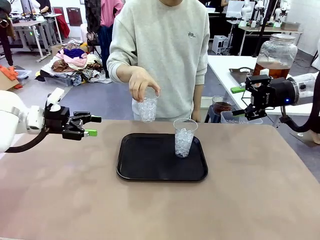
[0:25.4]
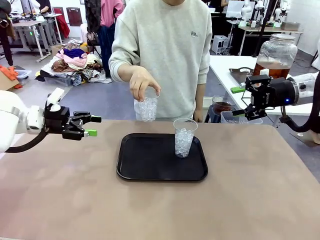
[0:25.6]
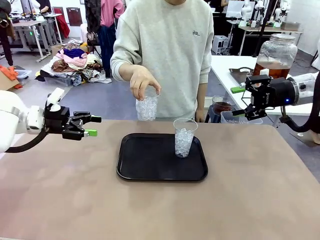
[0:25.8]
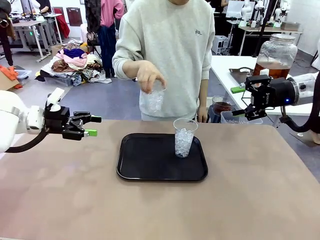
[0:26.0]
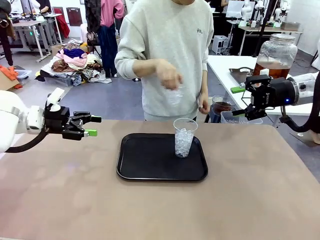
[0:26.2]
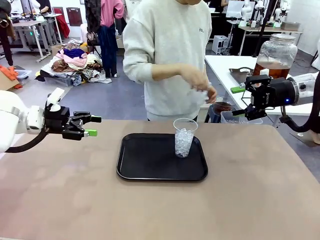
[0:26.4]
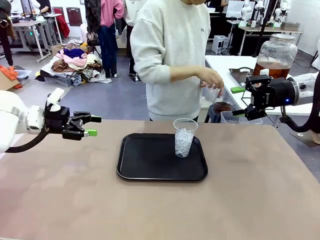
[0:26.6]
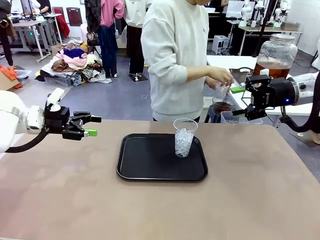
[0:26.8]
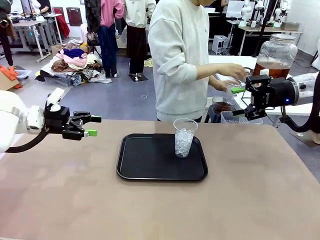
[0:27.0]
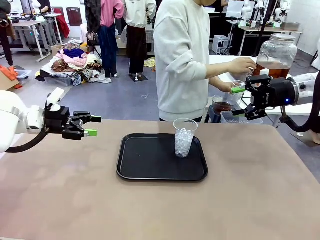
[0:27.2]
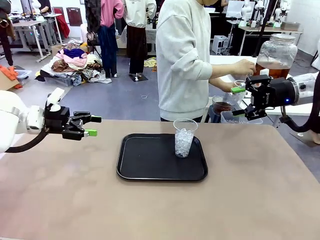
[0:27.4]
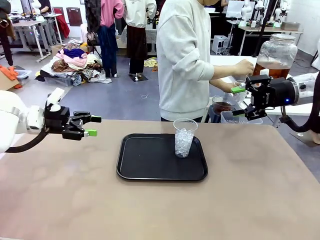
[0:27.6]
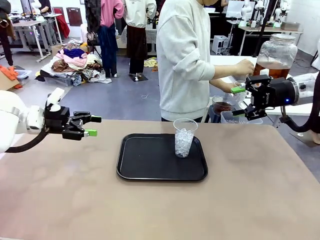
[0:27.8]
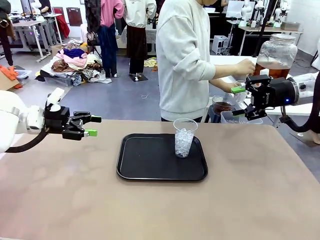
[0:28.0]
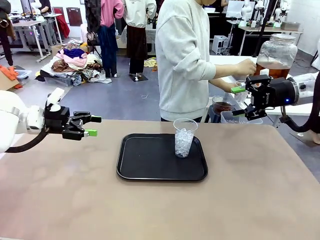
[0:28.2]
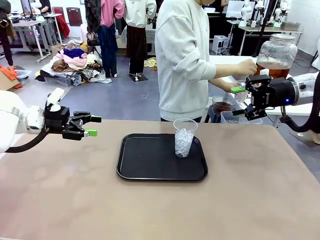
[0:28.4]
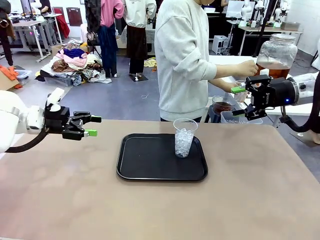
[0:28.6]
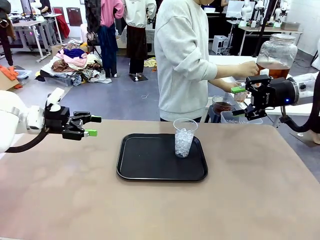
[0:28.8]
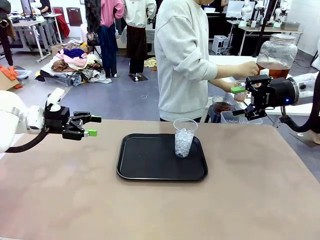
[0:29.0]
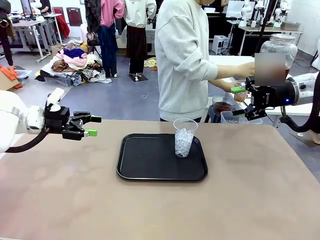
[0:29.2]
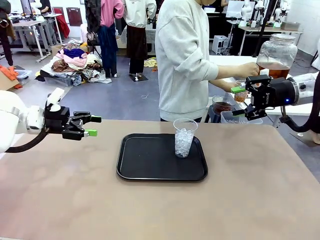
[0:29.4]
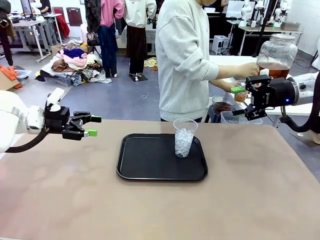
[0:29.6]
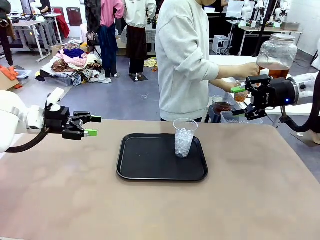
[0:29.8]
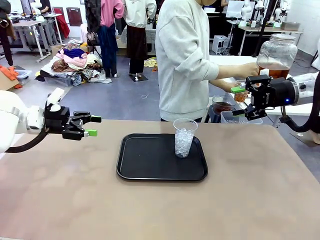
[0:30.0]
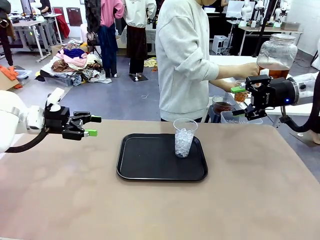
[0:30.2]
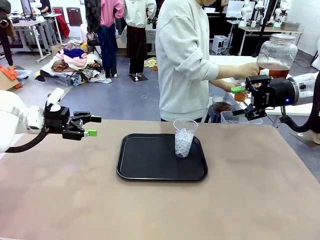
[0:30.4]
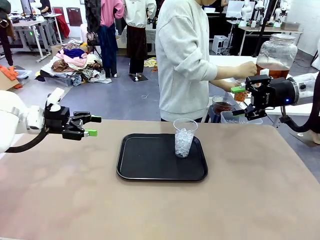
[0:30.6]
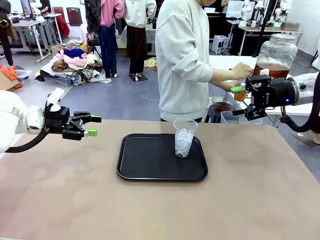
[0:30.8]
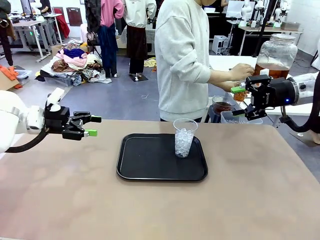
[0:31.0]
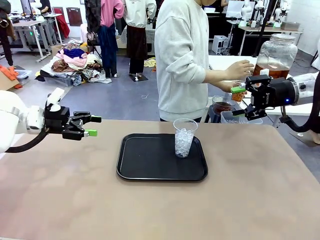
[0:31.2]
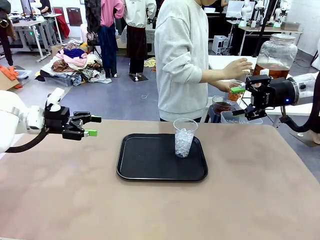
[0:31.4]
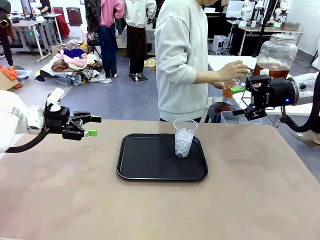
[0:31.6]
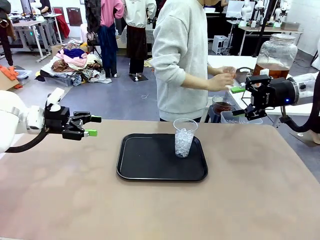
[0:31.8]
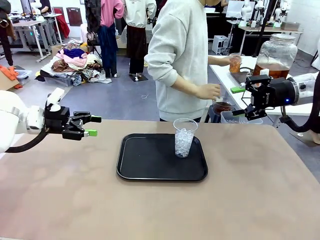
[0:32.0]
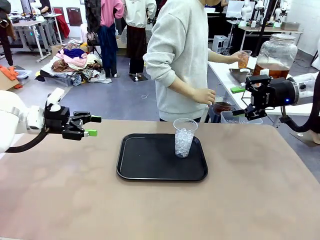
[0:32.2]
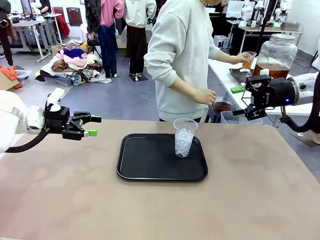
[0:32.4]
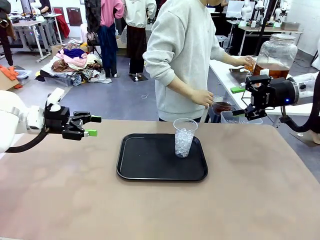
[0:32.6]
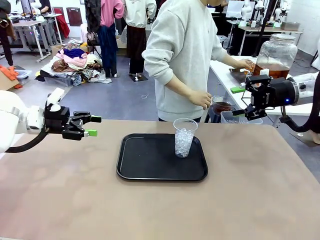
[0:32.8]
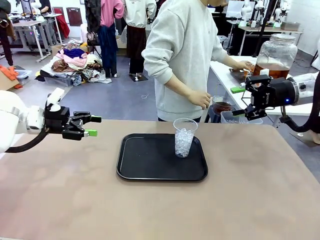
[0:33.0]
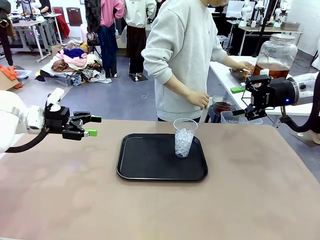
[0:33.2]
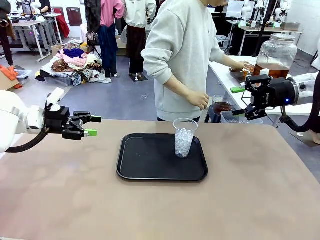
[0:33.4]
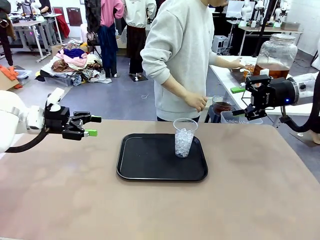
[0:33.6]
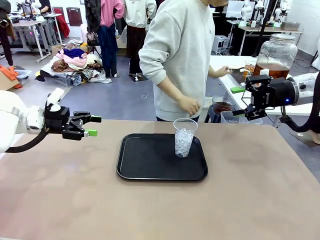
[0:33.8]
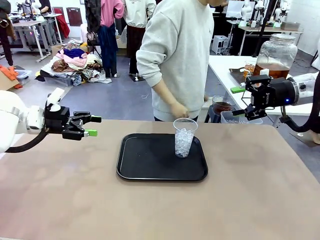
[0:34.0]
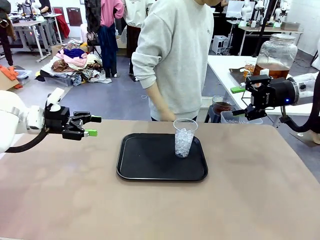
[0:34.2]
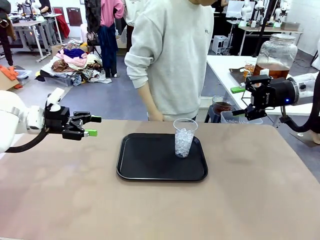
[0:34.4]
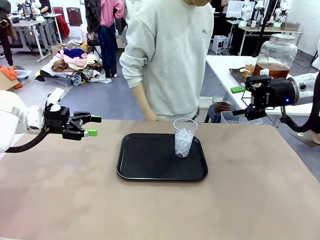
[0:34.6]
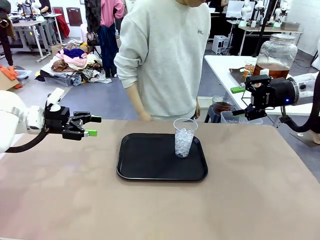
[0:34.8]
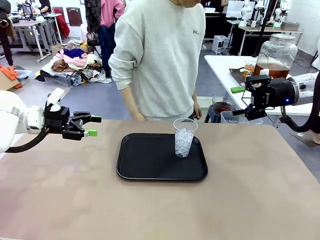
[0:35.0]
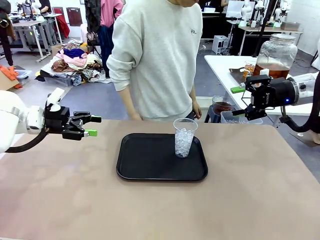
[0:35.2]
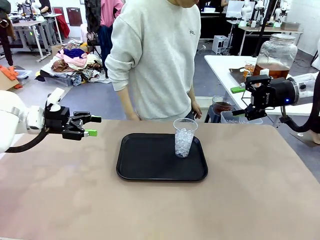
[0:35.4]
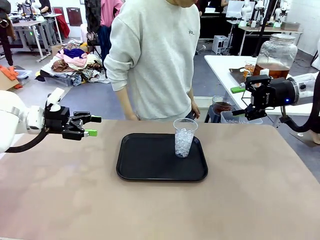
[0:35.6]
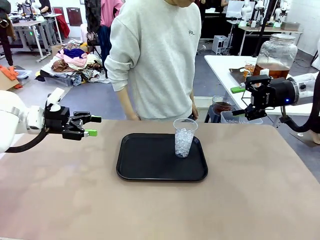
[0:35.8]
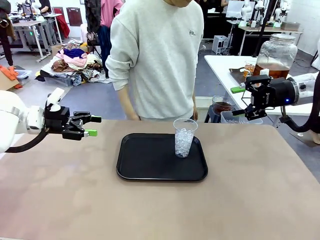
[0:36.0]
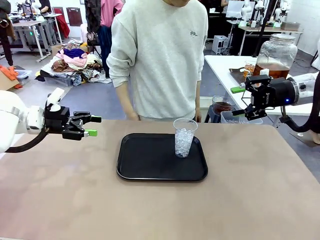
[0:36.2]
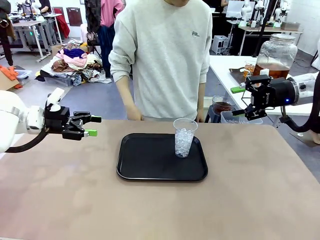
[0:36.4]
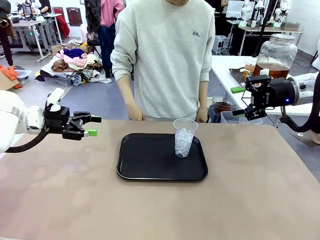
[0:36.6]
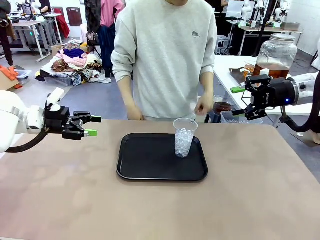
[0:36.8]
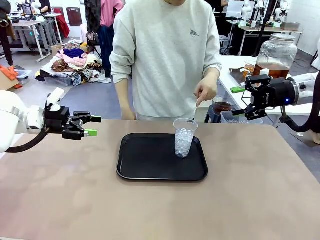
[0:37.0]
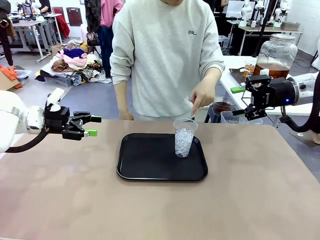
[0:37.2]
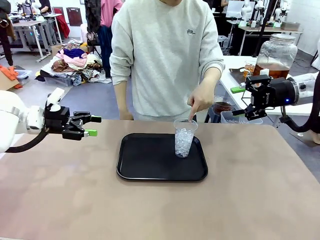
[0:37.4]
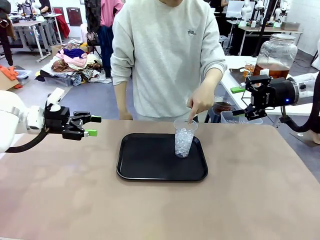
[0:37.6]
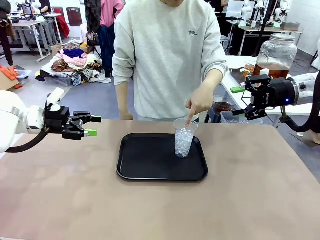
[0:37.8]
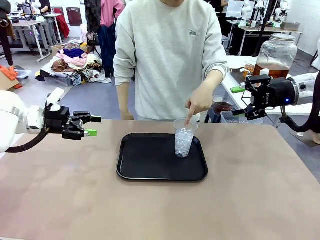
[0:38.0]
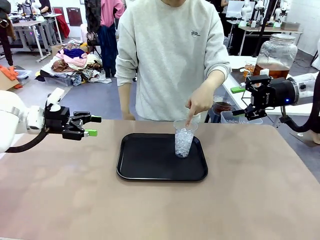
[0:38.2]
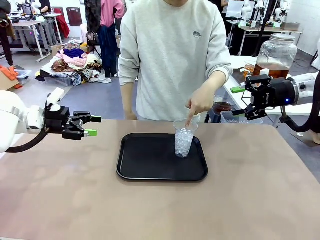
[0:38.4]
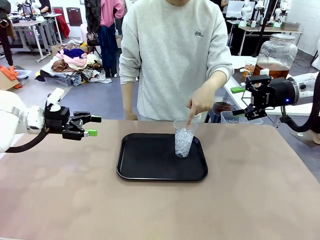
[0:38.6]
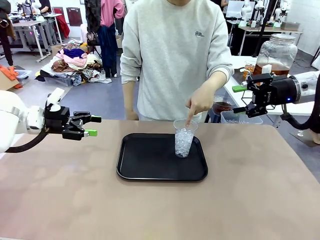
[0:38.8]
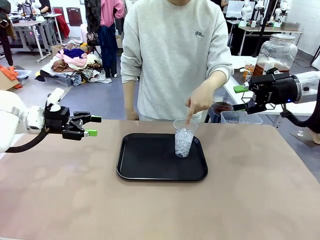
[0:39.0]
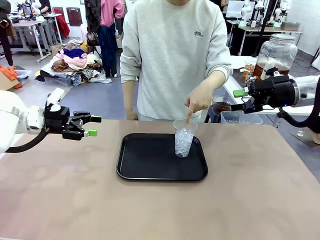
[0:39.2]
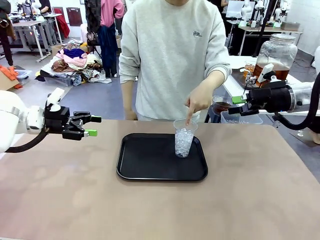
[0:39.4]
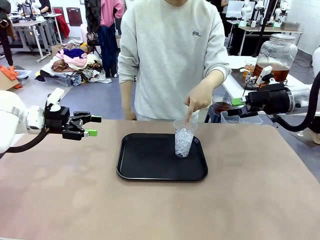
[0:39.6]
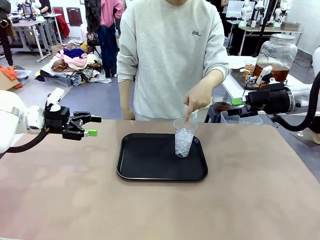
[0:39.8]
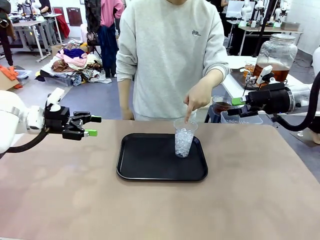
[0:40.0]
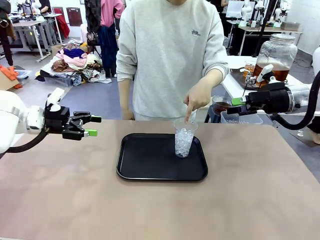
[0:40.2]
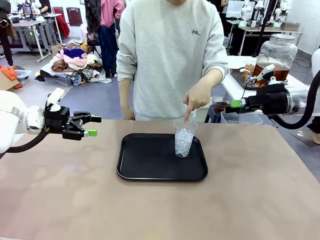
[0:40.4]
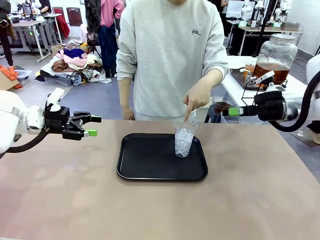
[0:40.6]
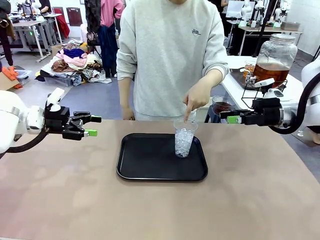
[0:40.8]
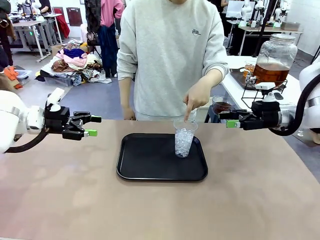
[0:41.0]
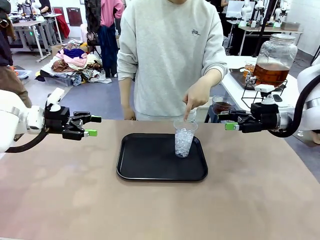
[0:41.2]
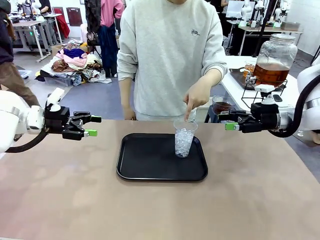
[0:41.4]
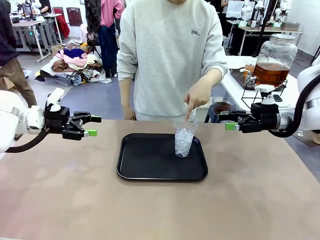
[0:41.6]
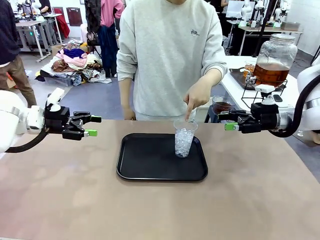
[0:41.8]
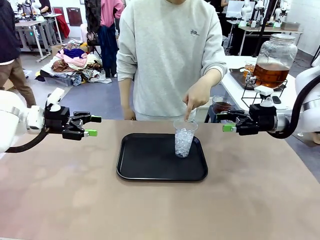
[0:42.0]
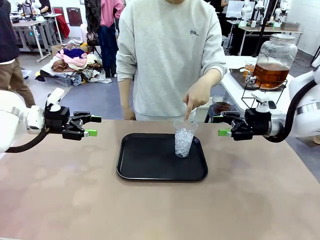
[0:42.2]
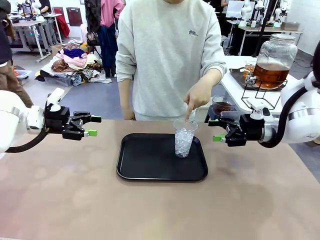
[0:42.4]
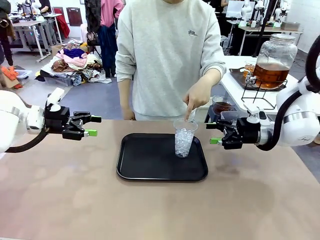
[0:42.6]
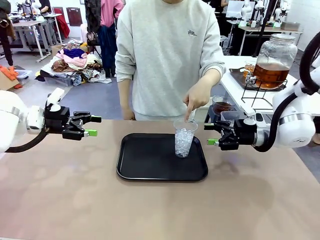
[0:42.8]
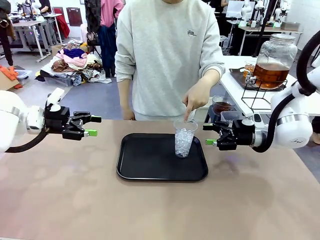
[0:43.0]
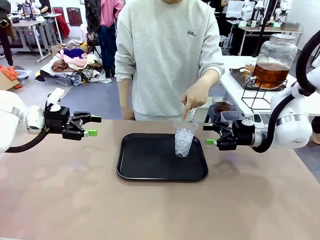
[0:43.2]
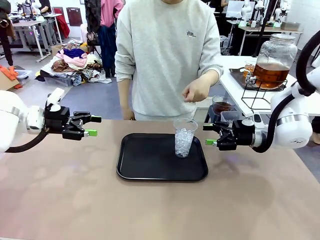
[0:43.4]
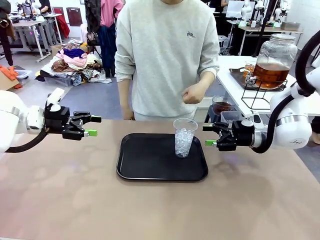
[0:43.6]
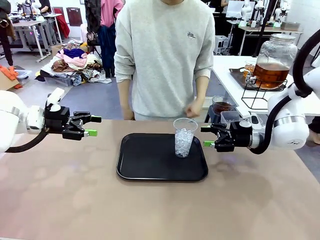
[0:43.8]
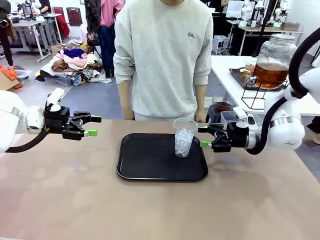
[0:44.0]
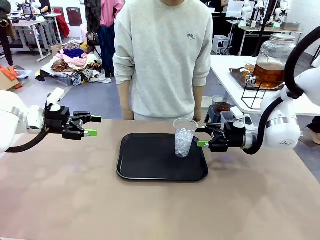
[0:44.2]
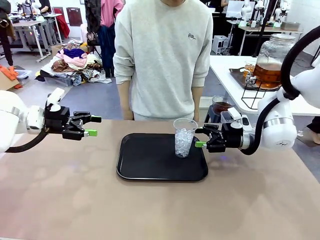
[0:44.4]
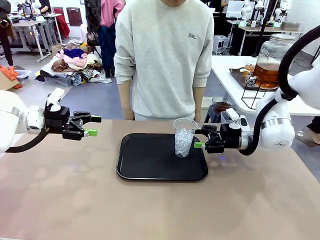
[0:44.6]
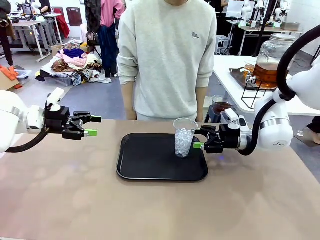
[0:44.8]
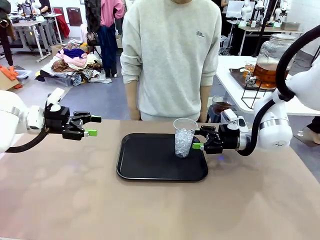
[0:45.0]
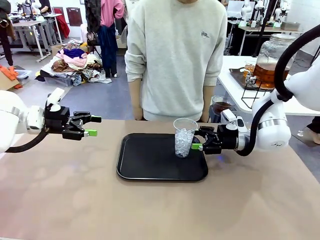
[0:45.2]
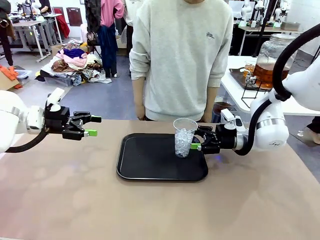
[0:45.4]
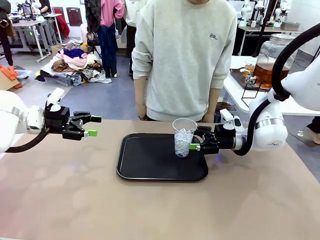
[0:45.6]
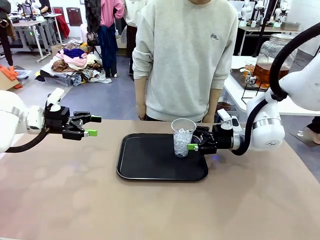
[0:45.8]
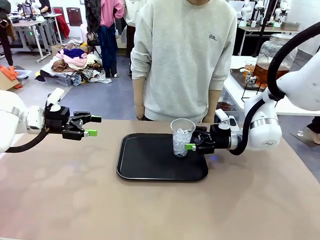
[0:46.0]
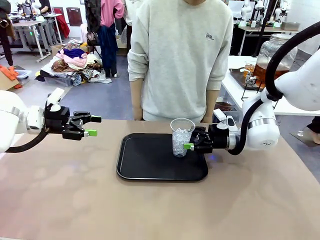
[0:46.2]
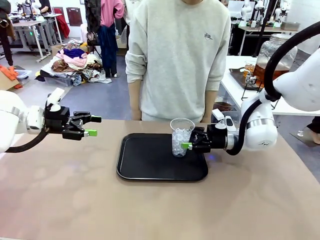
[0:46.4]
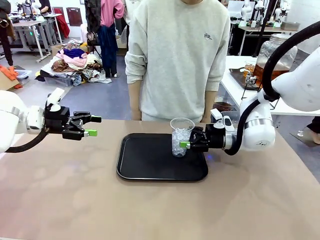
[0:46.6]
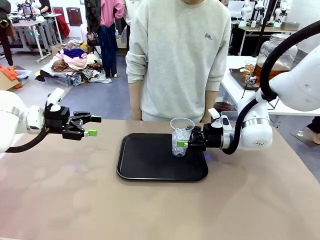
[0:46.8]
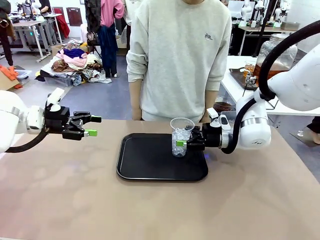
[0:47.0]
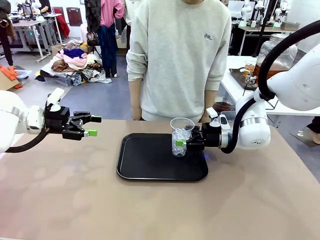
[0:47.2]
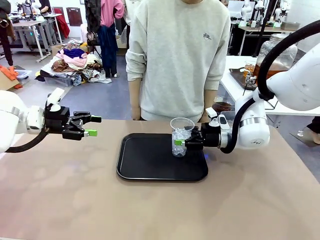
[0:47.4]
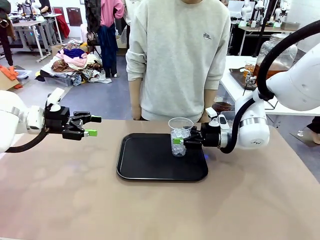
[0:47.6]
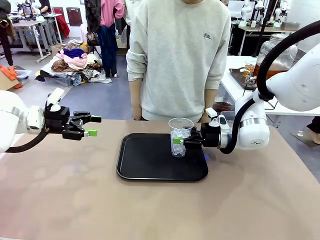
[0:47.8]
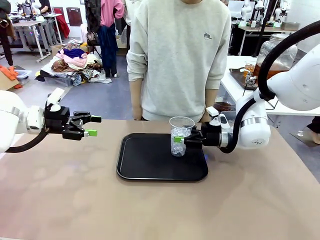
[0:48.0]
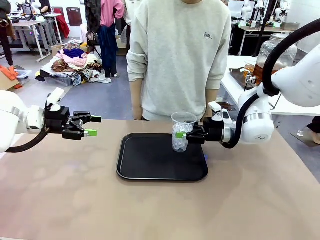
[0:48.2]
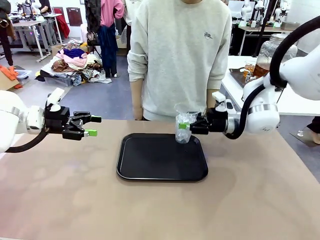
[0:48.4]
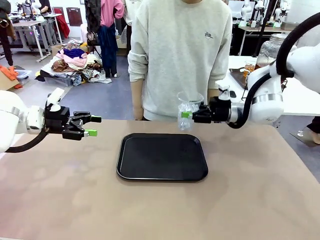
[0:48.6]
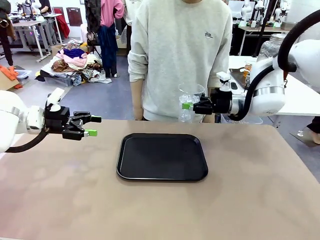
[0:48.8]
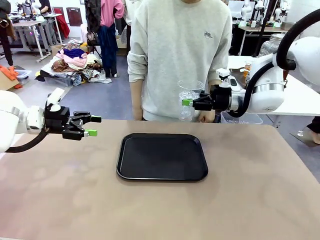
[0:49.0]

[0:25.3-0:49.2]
Task: Pour the drink into the iced cup.
Robot: Pick up the iced cup indicated by the human and present it to them.
Person: Move the picked-up cup under the dispenser faucet, pour the drink, and place it on the tray on the human table. Point to the remaining ice cup on the robot table. Pick up the cup offered by the robot.
